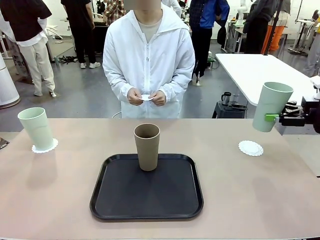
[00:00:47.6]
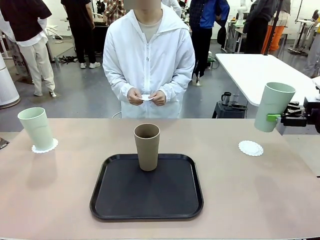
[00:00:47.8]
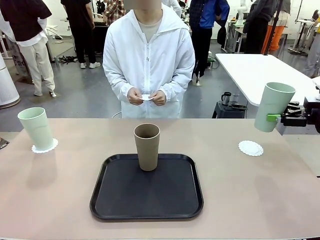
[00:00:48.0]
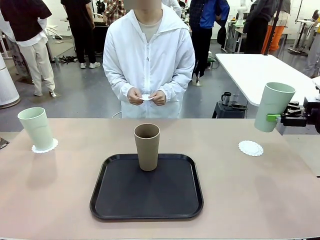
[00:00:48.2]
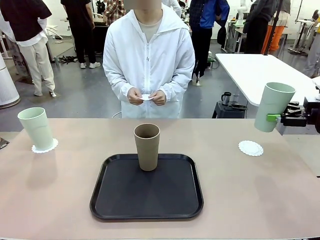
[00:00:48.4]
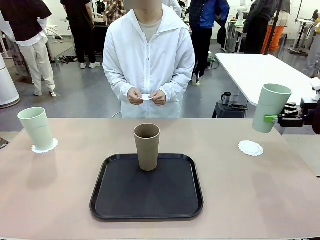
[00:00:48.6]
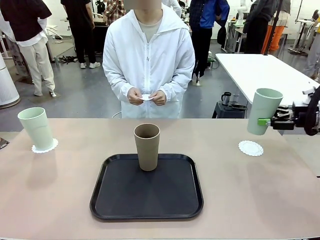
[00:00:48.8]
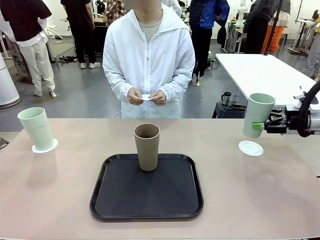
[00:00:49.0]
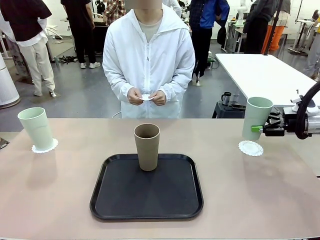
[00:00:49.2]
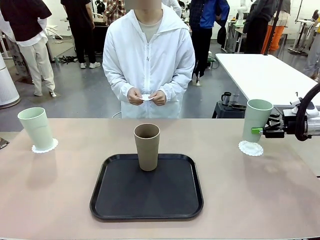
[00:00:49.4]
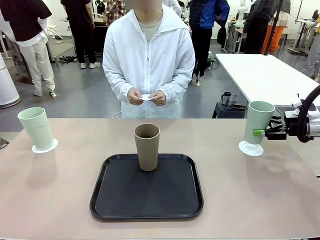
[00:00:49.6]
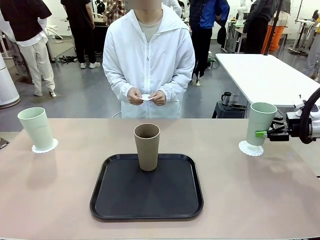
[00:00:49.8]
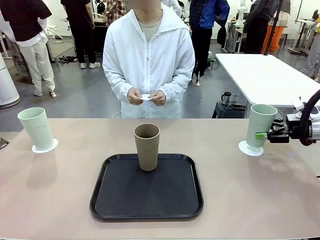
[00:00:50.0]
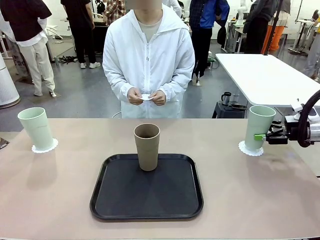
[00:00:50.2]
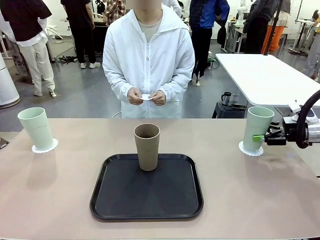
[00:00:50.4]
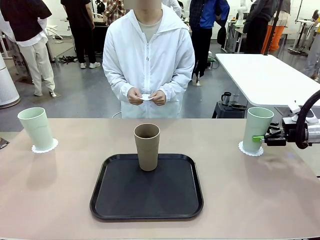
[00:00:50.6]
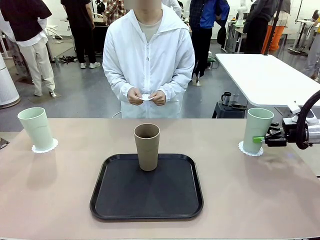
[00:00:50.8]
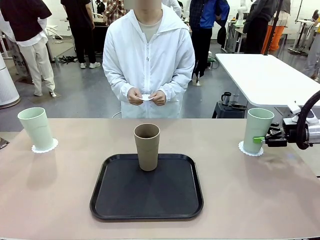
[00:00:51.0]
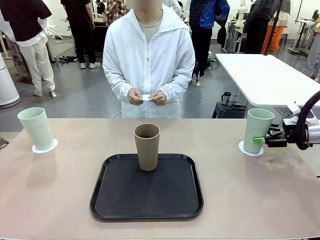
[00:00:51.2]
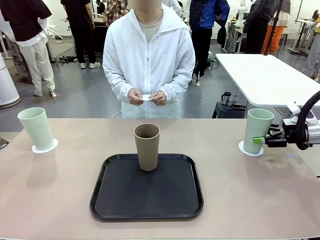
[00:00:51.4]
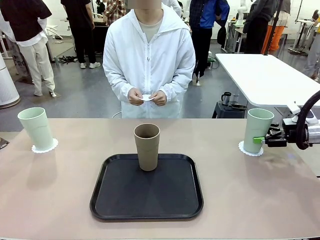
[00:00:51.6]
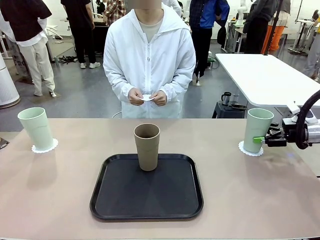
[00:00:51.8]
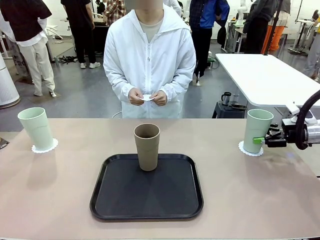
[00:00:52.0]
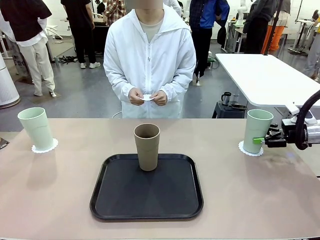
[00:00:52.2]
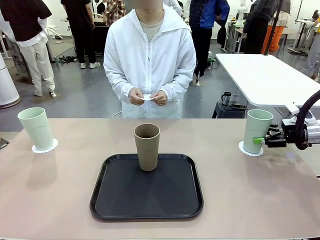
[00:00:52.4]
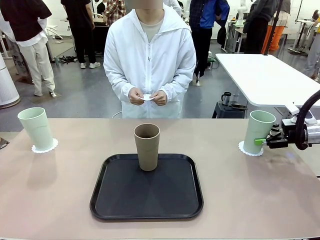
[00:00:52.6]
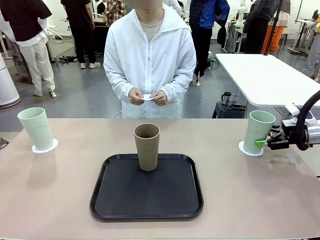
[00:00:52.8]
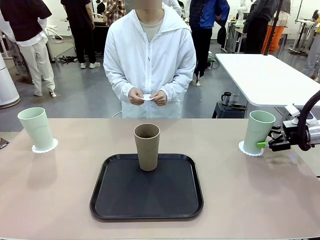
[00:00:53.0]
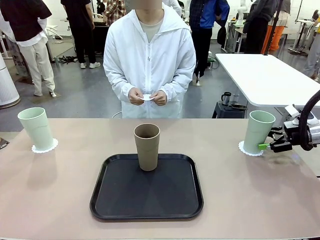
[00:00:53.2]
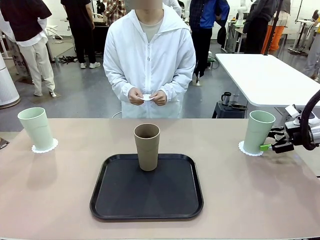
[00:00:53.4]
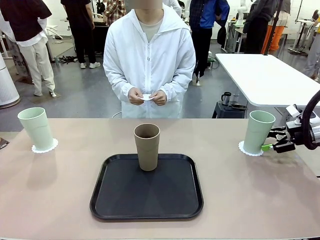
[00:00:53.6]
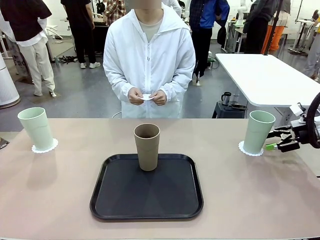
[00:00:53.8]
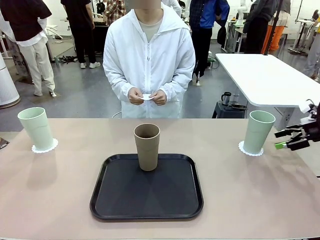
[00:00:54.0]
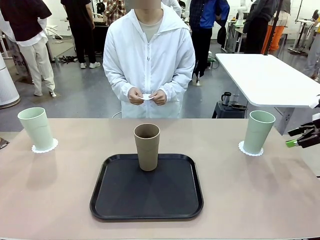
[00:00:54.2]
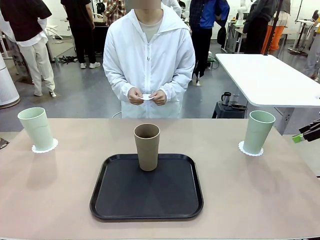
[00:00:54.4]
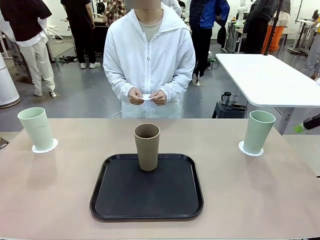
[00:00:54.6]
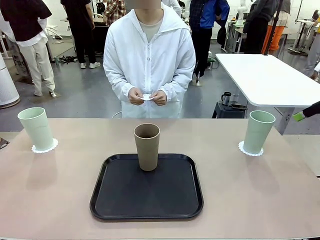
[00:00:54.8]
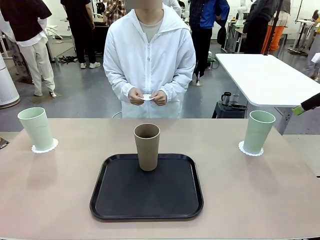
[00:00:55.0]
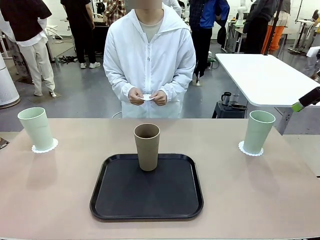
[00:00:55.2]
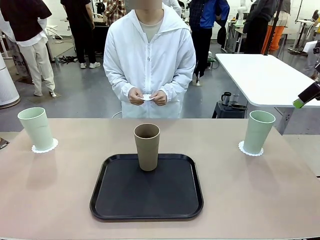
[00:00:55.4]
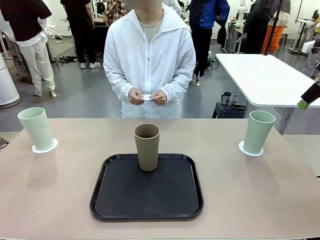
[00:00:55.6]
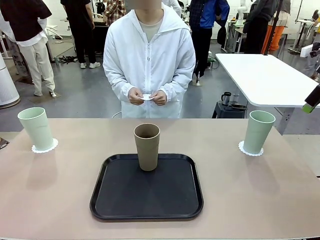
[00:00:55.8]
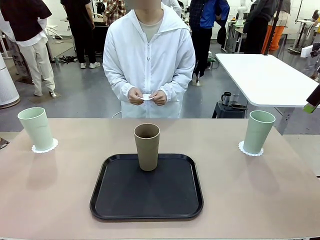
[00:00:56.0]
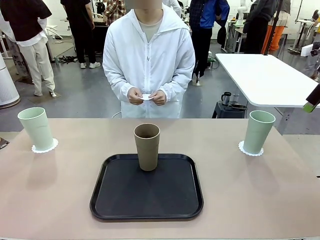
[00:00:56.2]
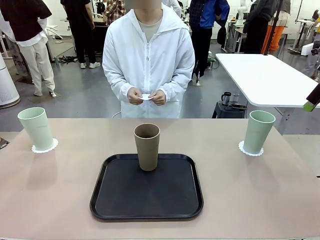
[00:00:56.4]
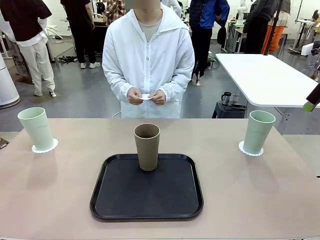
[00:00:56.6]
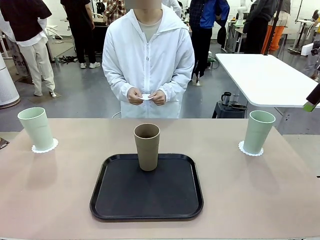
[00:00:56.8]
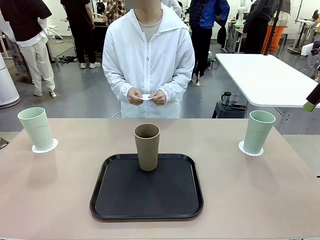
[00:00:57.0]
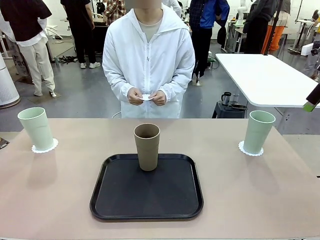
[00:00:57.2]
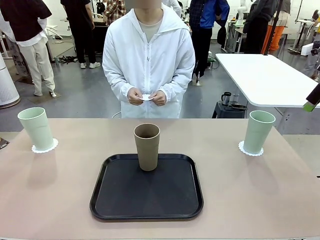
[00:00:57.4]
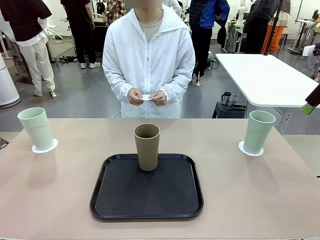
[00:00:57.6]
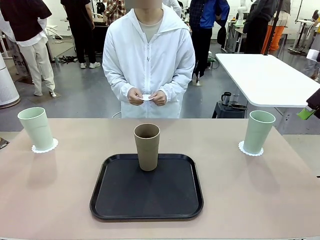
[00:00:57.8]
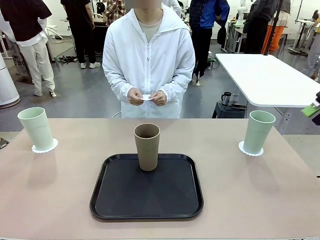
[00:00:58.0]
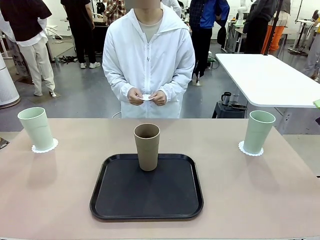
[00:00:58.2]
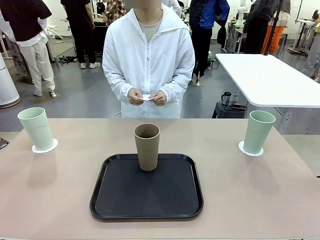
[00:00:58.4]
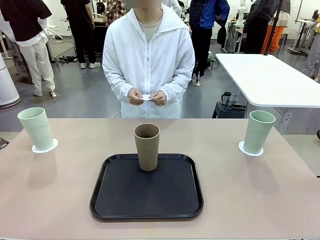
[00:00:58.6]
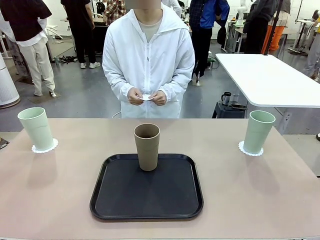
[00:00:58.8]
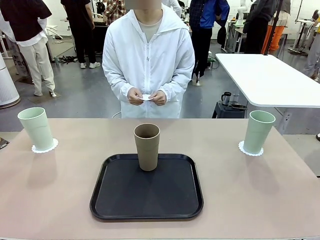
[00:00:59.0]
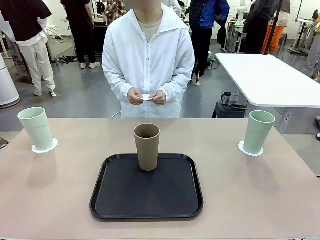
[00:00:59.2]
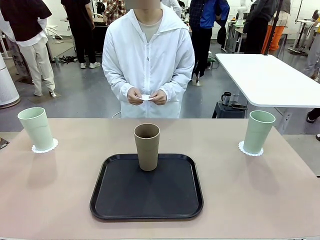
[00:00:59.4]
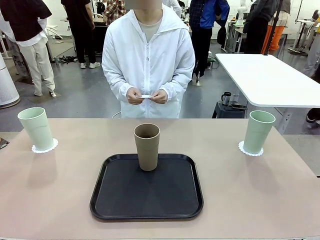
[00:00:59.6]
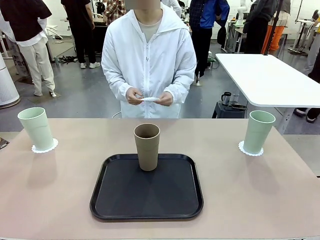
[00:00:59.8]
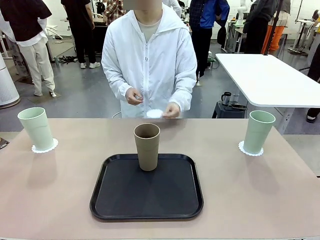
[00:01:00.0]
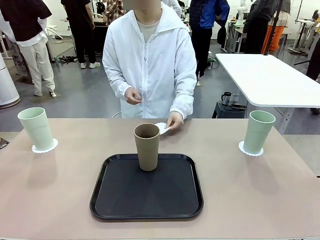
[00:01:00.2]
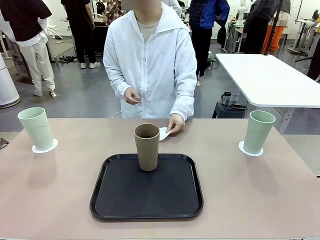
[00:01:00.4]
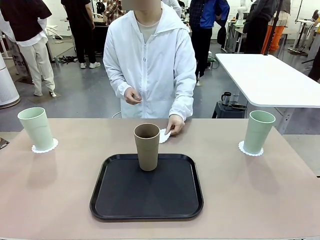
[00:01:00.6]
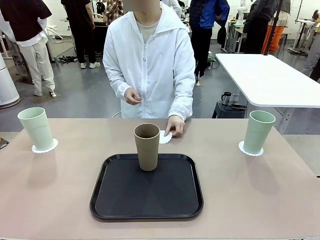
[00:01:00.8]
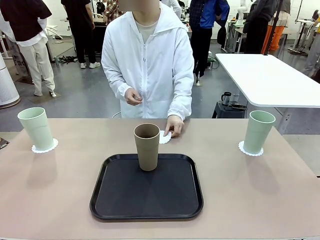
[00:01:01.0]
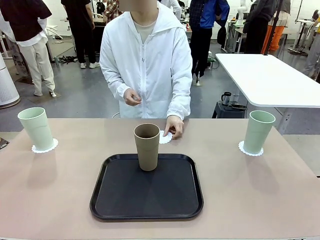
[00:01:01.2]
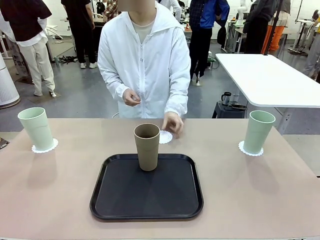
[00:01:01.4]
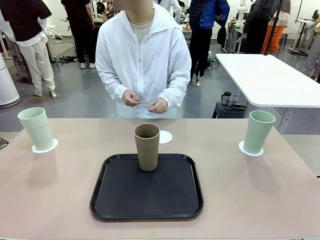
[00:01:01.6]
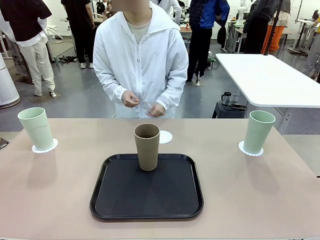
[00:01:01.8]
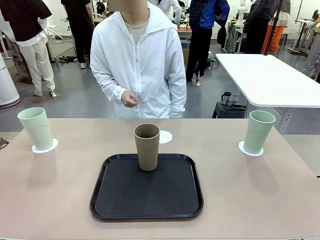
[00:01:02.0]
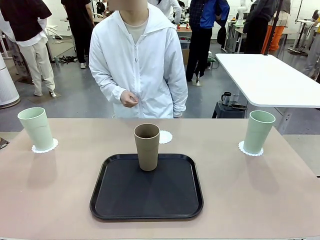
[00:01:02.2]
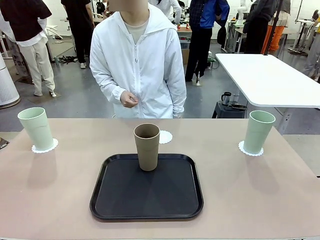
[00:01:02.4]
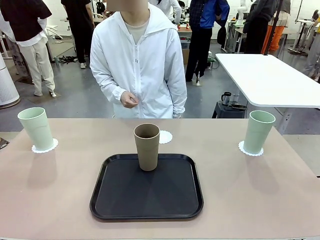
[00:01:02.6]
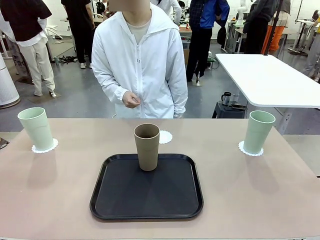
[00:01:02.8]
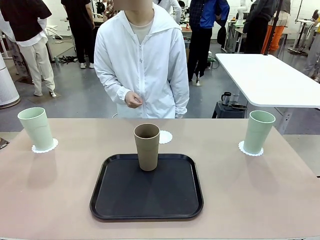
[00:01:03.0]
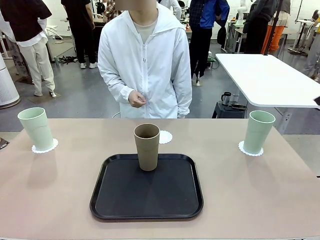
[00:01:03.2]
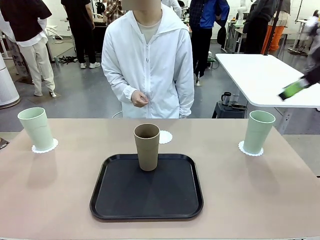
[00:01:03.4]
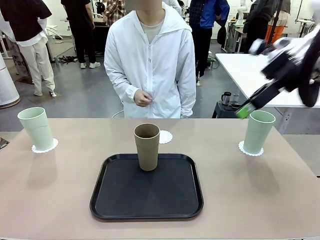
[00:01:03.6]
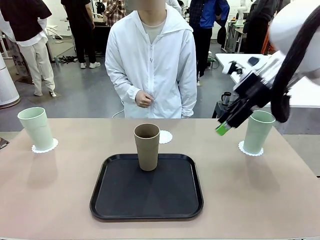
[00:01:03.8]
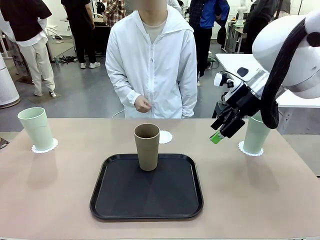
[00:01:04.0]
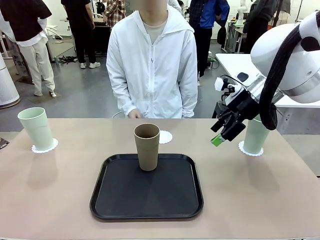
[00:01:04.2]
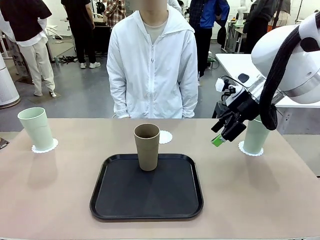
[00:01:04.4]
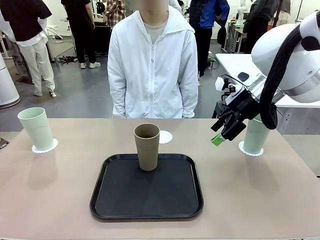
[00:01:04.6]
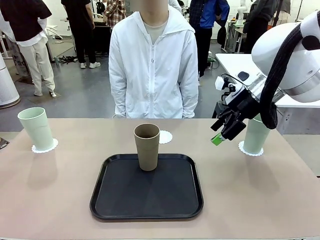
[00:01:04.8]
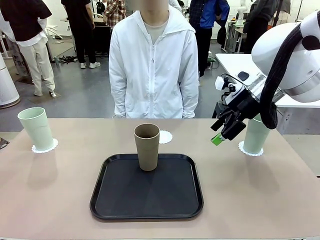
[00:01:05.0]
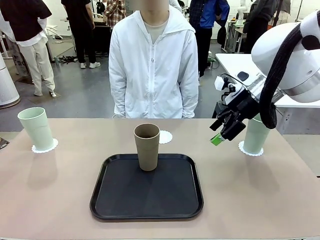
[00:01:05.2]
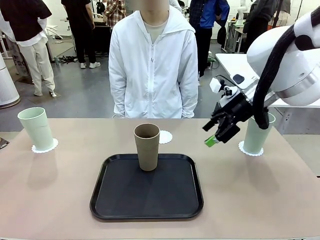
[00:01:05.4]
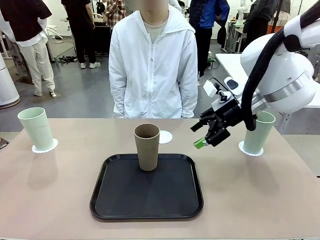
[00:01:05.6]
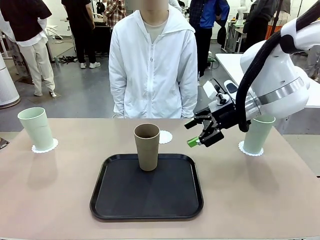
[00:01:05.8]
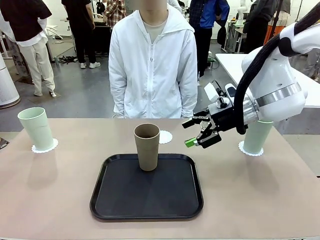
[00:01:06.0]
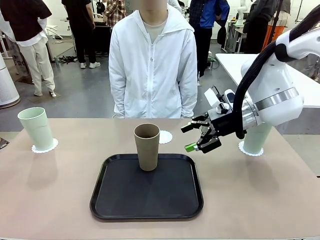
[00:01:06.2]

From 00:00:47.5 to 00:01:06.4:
Task: Place coasters on the table and set cups on them.
Robot: Take one Reusable plastic cup from the Flat Tray and place it on a coaster set by the human.
